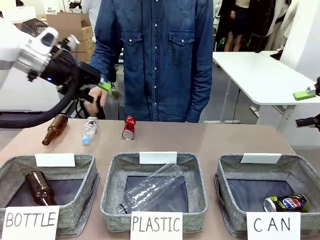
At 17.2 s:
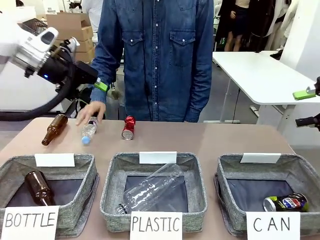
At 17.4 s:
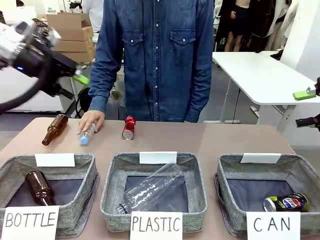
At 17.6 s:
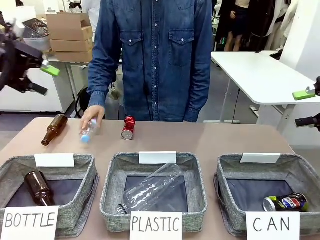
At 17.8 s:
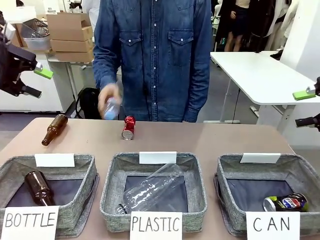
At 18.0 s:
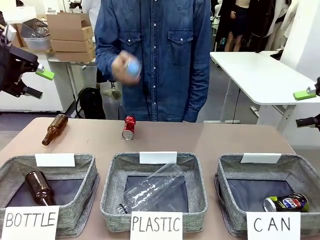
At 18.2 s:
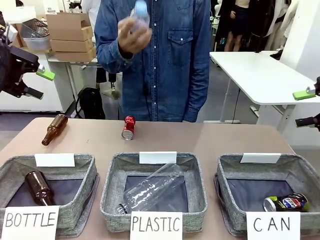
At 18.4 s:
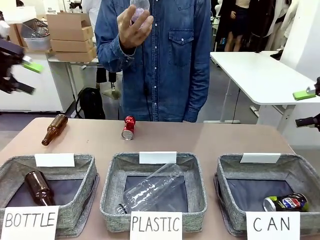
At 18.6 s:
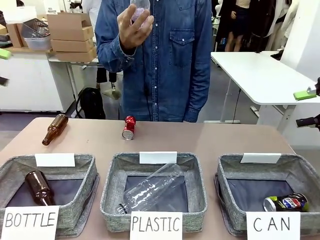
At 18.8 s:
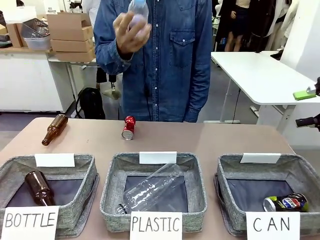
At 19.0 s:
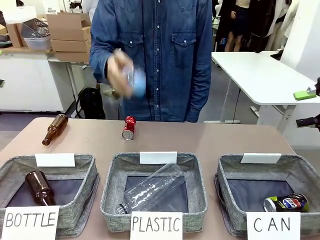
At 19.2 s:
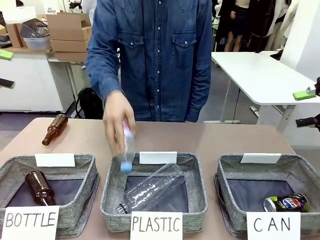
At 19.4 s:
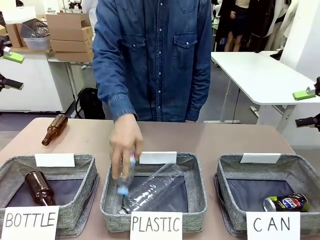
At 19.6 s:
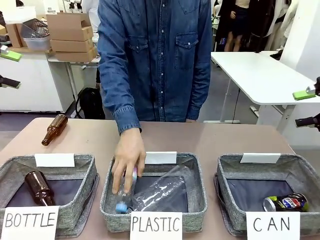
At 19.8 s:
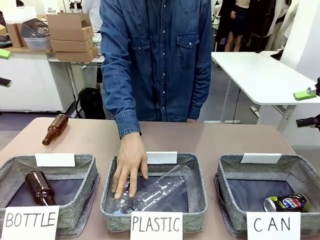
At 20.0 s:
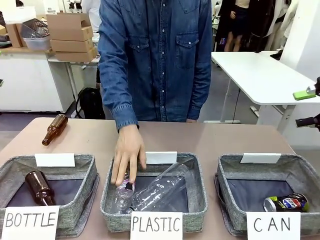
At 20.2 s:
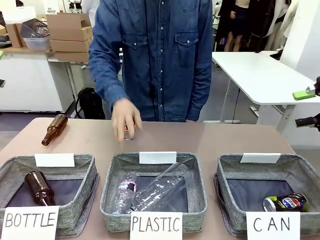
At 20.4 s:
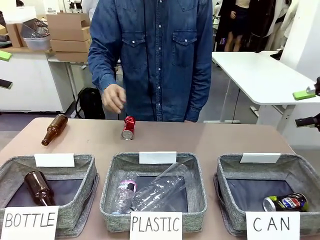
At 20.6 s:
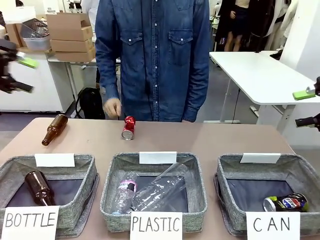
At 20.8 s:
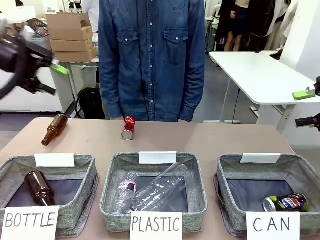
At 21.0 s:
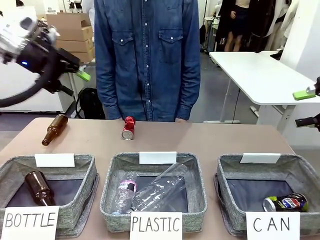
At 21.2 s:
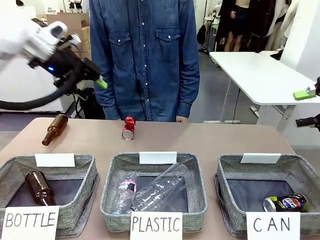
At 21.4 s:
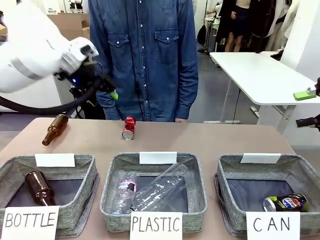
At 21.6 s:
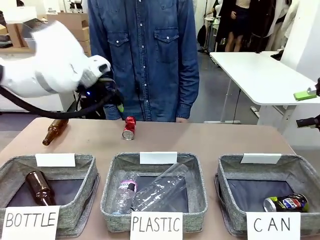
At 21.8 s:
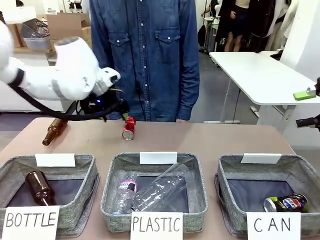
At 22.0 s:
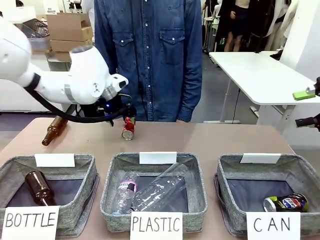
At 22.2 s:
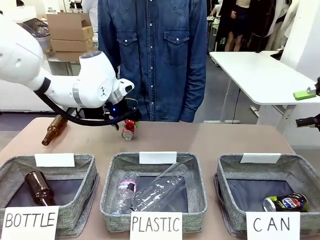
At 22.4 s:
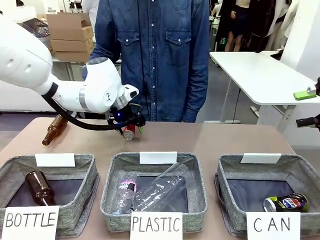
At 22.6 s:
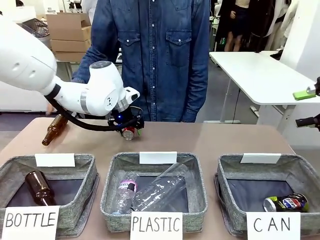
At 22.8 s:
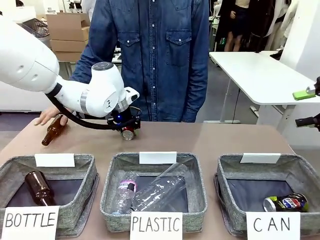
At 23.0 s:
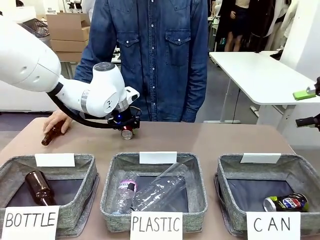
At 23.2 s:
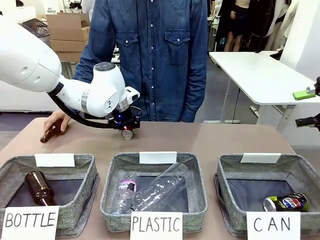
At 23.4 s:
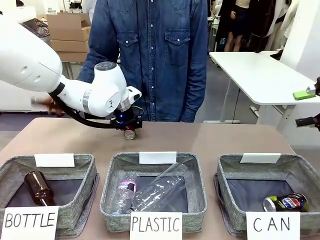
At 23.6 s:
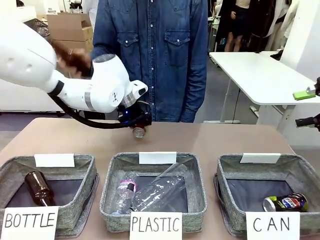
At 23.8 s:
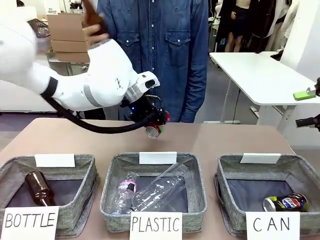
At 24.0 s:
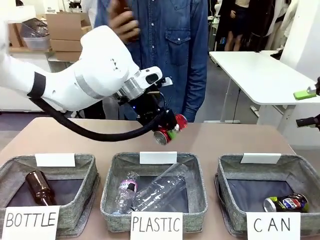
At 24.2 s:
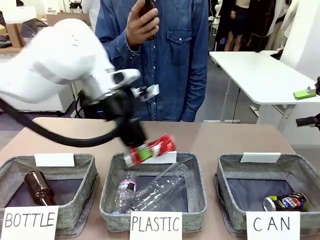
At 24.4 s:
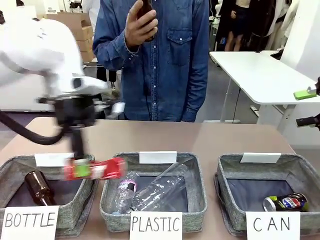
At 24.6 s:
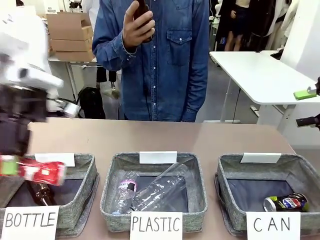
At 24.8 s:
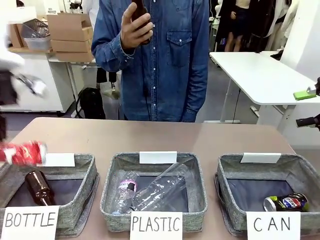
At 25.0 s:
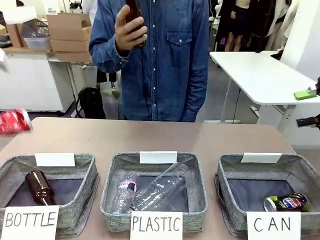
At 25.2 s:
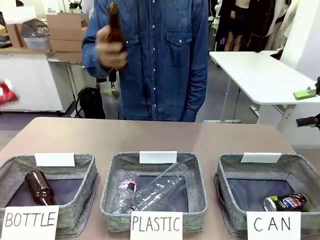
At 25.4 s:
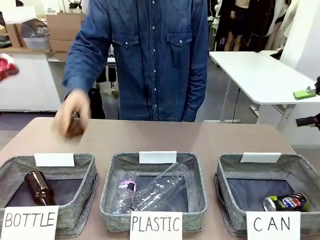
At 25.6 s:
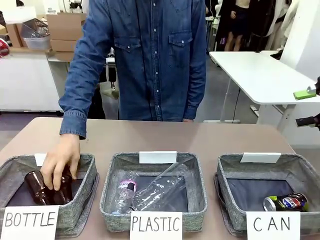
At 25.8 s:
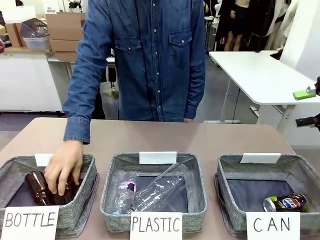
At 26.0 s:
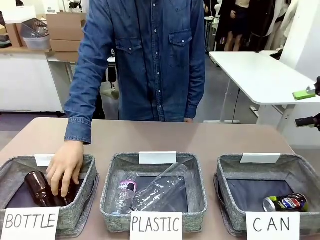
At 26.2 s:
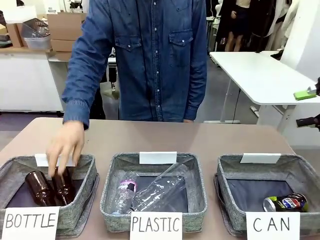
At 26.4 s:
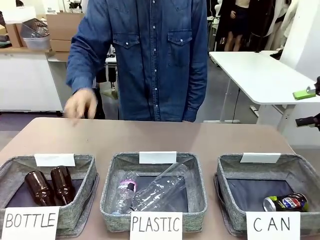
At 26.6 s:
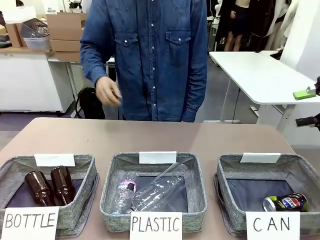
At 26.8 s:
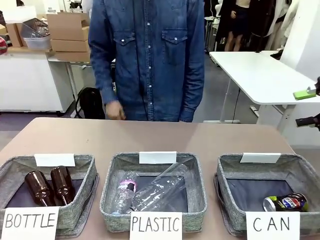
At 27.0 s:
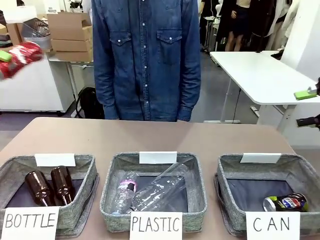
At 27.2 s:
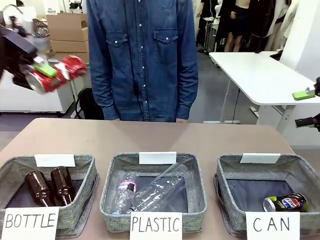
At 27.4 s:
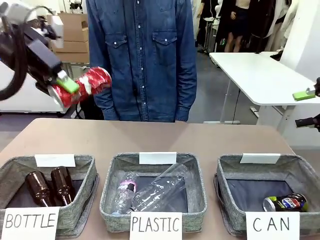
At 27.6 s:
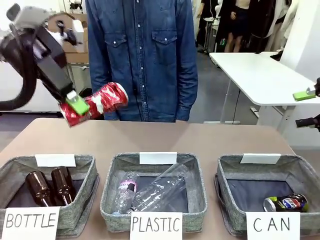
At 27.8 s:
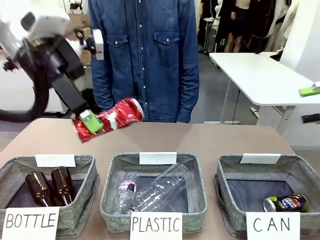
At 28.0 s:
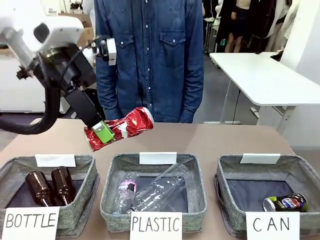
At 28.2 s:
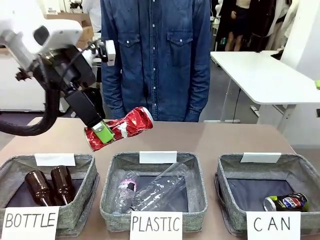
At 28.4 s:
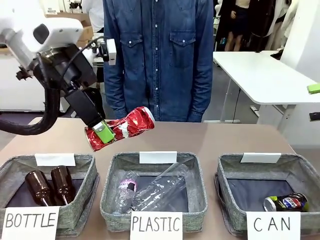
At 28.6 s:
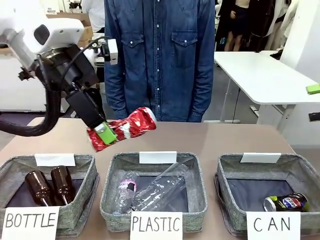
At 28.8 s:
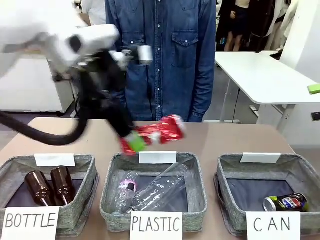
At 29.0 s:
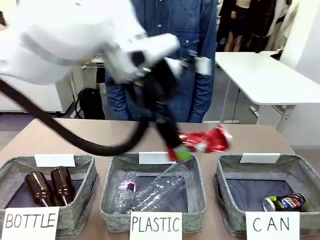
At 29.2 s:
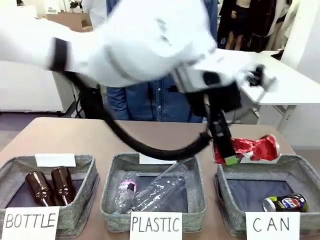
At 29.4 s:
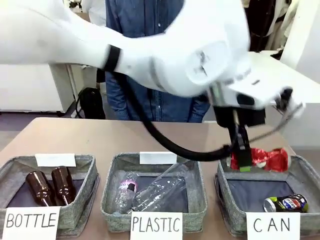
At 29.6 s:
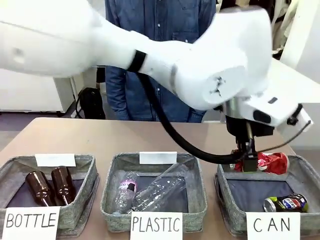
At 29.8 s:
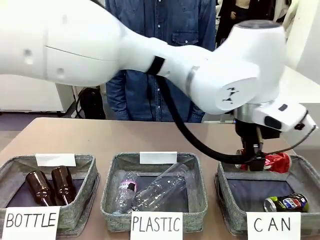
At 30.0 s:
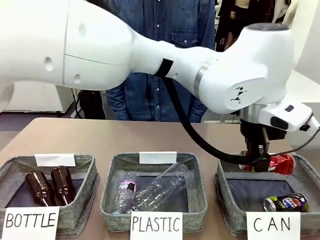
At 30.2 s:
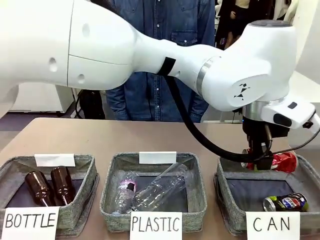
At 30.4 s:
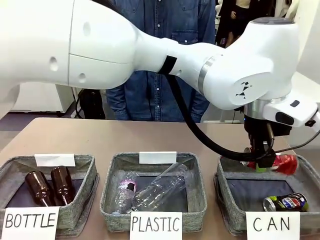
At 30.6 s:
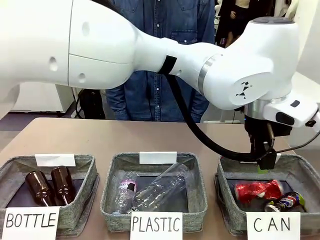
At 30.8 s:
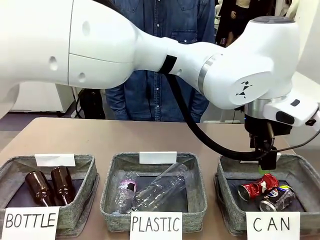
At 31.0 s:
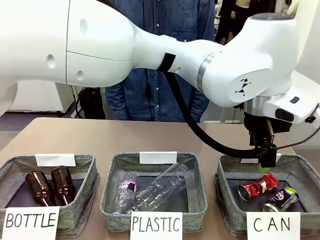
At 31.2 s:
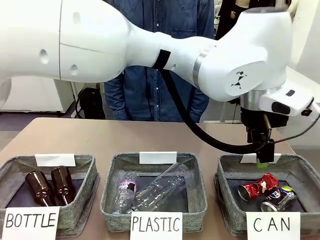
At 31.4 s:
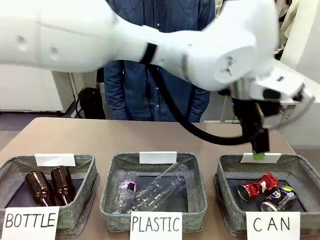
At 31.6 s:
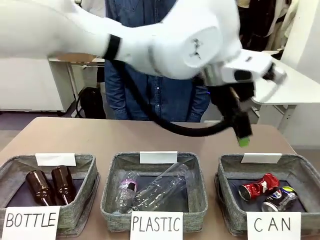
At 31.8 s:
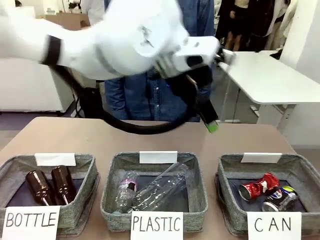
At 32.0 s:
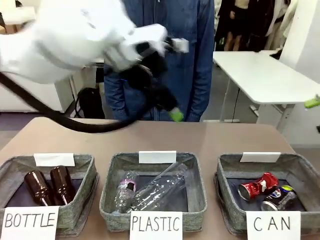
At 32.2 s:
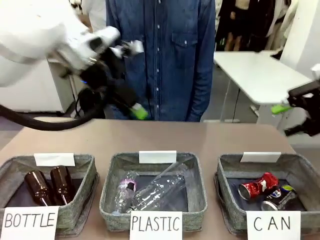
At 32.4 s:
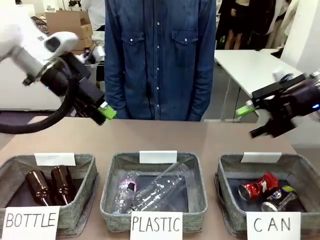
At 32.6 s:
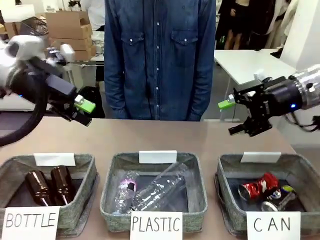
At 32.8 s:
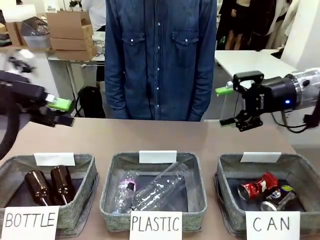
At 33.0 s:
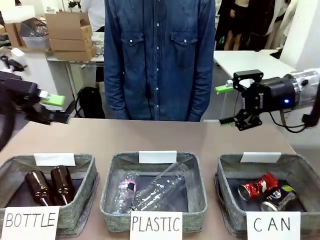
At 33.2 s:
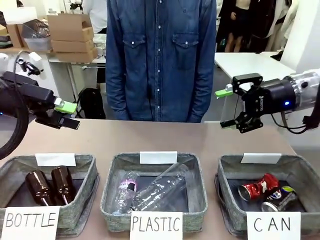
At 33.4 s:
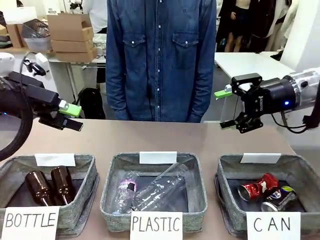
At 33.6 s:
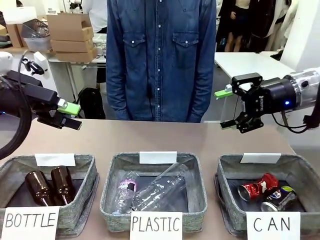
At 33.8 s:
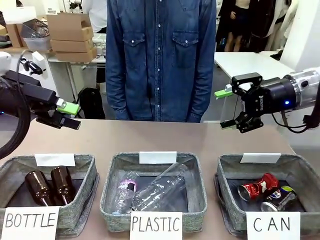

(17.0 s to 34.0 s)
Task: Sort the can waste into the basket.
Robot: Pick up the can waste from the table and place it in the right Fabric basket.
